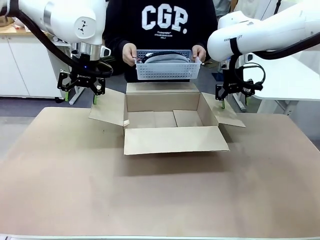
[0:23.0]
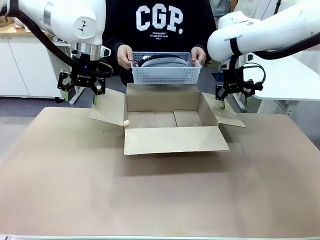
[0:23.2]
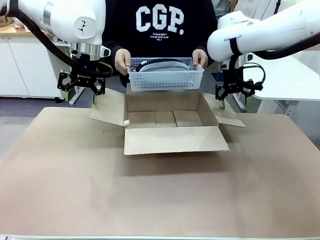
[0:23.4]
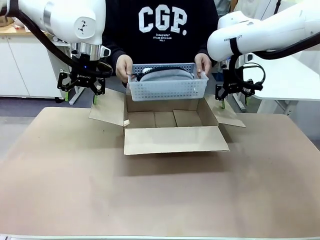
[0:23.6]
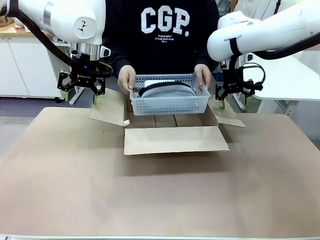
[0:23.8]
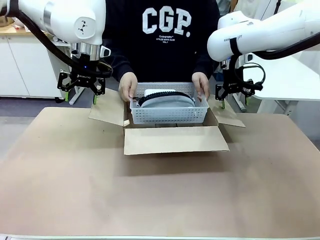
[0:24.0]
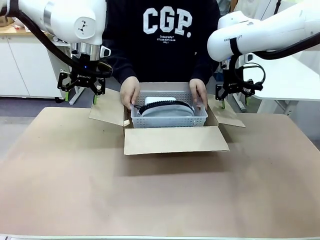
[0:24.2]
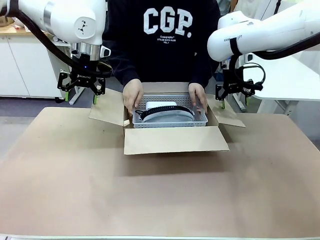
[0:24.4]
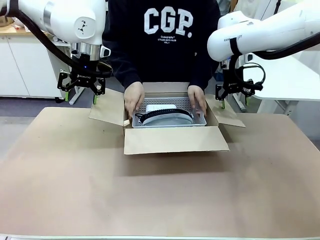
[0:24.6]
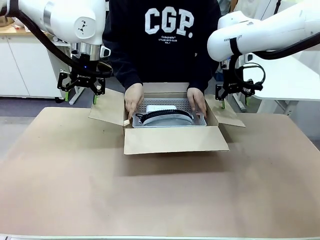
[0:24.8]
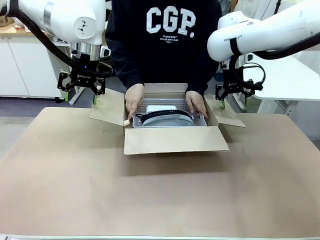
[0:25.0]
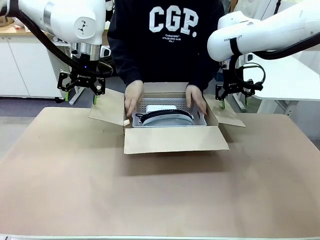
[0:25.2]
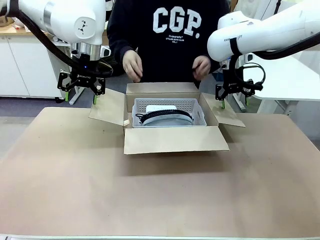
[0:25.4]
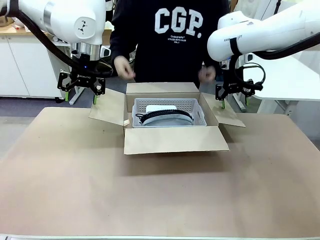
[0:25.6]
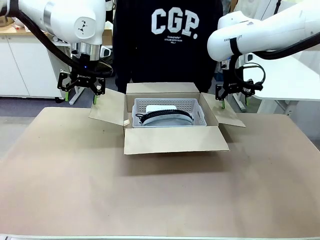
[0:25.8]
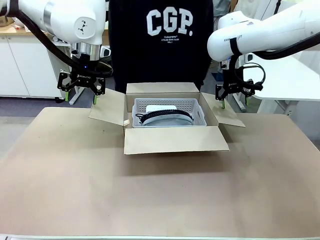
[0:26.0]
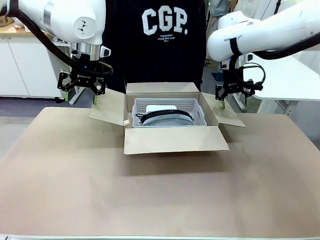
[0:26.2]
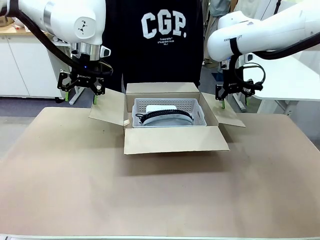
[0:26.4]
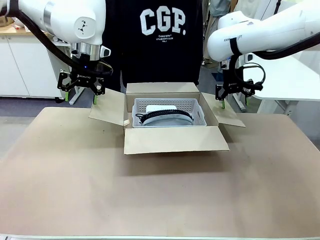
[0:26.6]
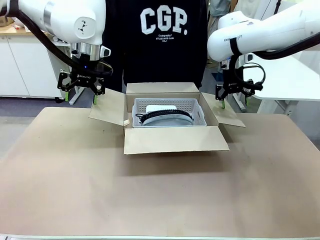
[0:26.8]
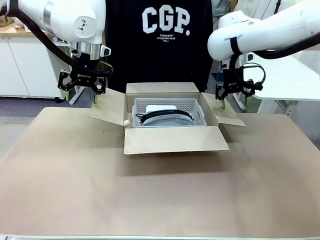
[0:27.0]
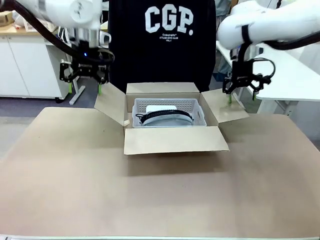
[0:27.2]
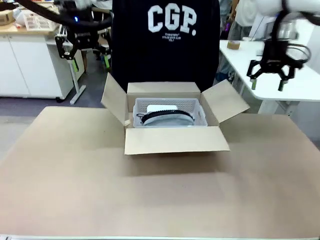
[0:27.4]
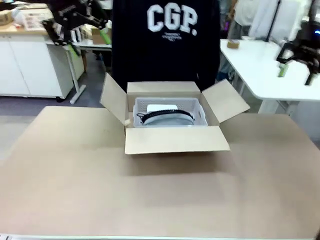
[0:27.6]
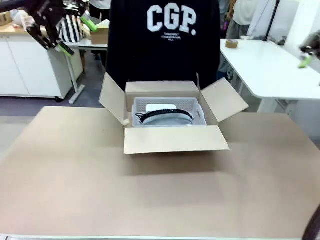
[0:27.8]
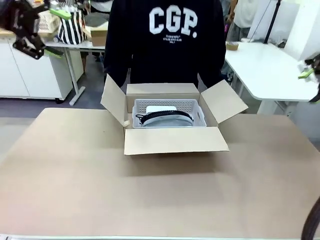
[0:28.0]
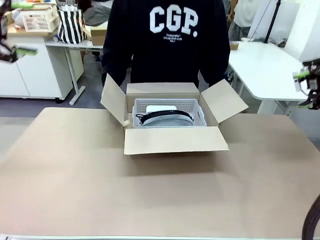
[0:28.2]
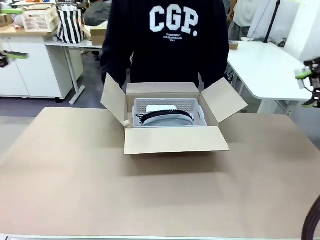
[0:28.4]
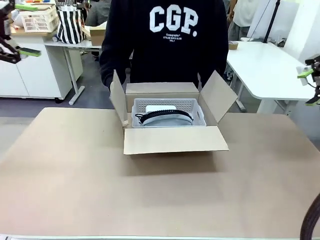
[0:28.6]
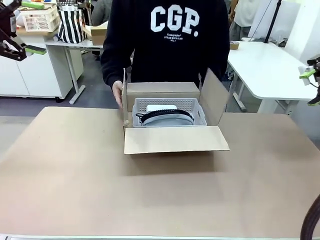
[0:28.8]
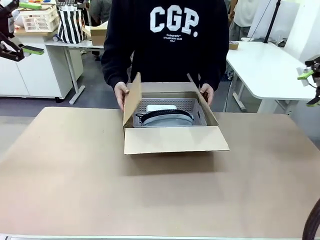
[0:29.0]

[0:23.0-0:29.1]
Task: Pack the gift set into the box.
Robot: Lift both hands away from the flaps of the Package Box.

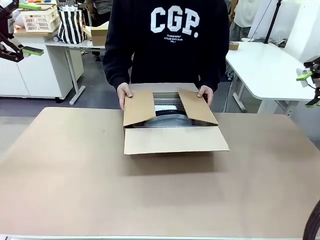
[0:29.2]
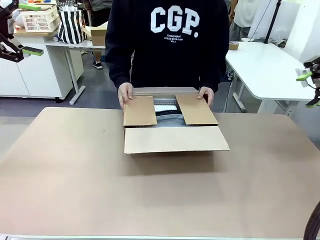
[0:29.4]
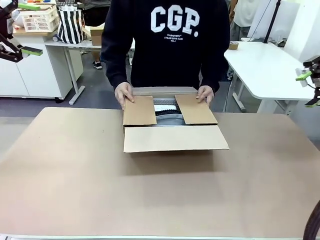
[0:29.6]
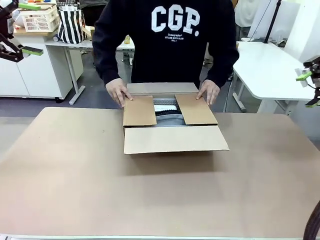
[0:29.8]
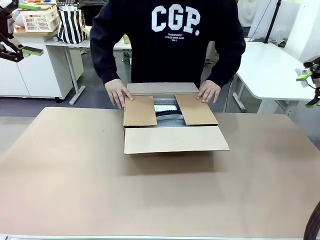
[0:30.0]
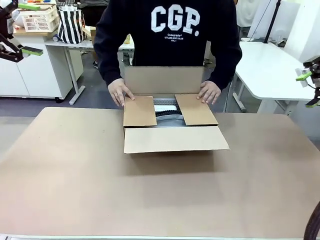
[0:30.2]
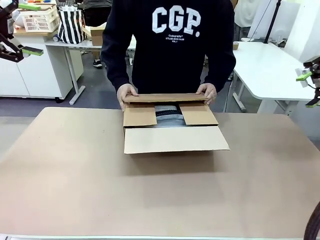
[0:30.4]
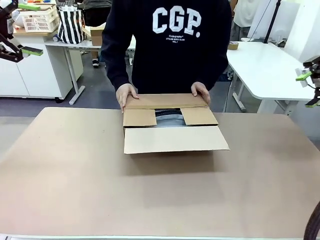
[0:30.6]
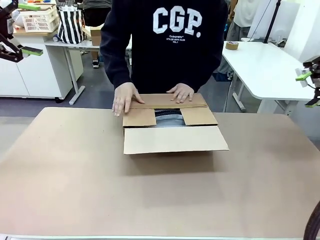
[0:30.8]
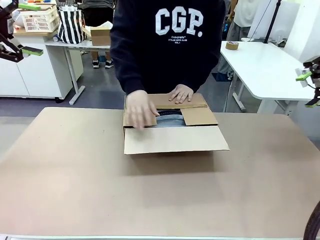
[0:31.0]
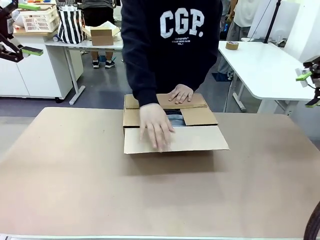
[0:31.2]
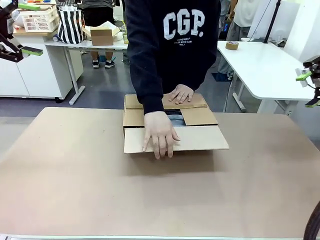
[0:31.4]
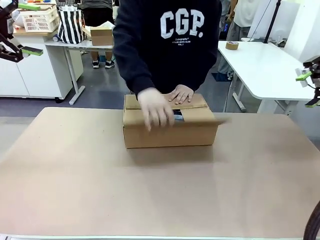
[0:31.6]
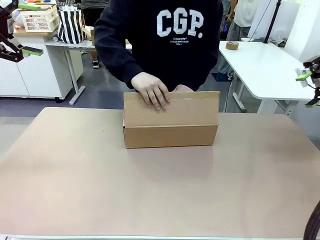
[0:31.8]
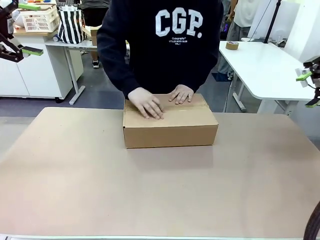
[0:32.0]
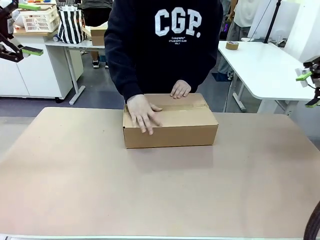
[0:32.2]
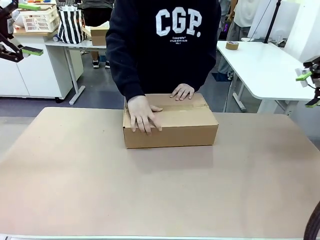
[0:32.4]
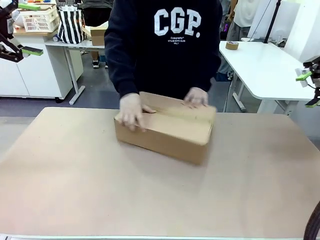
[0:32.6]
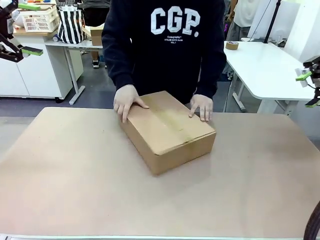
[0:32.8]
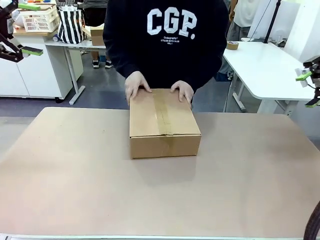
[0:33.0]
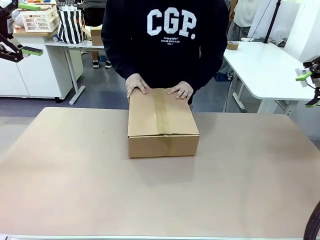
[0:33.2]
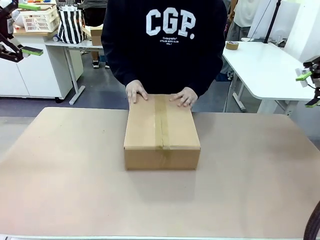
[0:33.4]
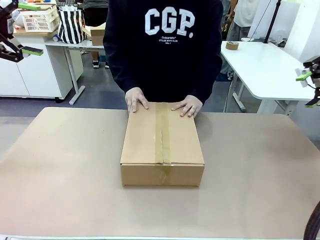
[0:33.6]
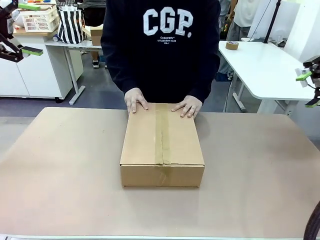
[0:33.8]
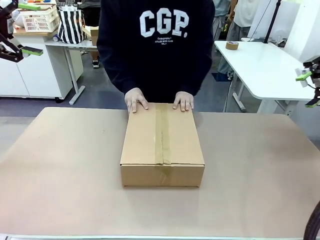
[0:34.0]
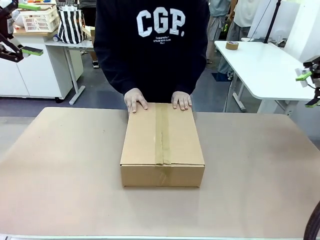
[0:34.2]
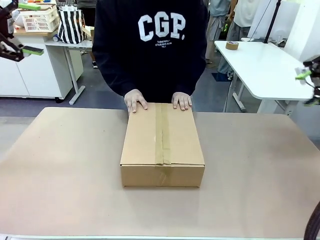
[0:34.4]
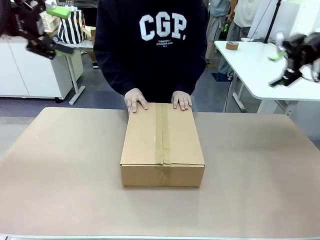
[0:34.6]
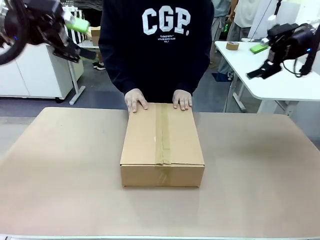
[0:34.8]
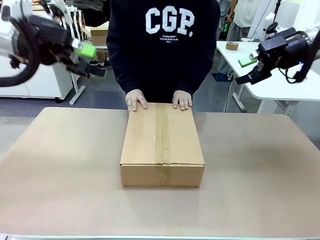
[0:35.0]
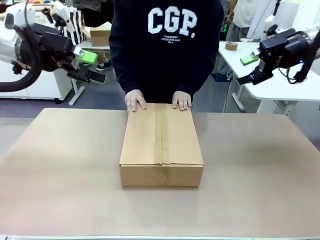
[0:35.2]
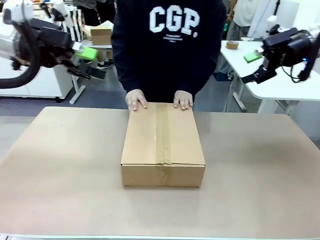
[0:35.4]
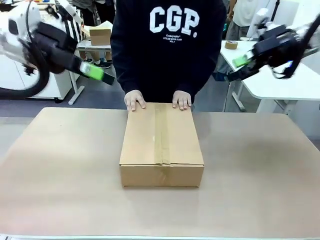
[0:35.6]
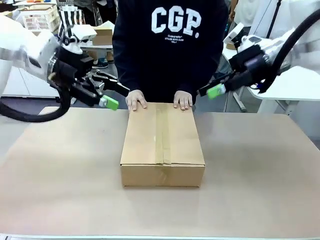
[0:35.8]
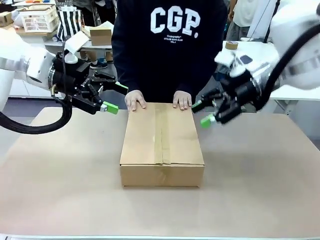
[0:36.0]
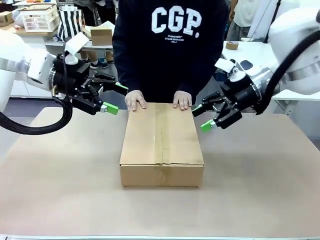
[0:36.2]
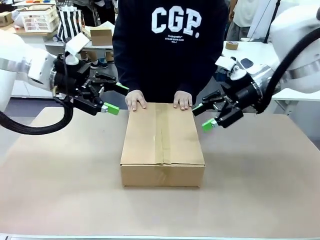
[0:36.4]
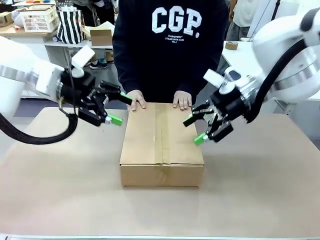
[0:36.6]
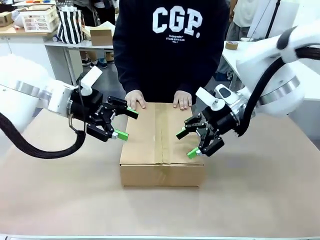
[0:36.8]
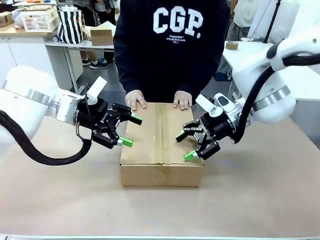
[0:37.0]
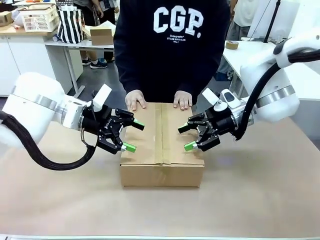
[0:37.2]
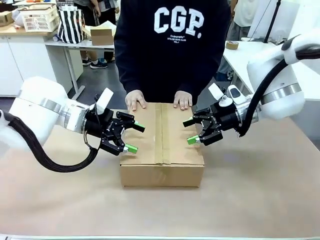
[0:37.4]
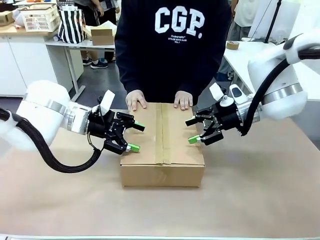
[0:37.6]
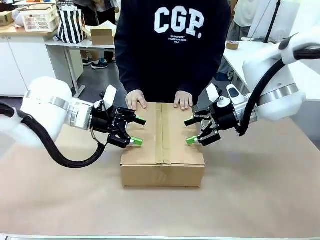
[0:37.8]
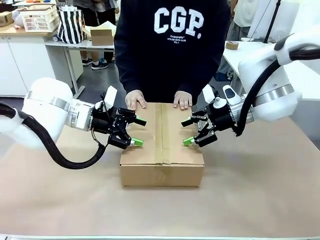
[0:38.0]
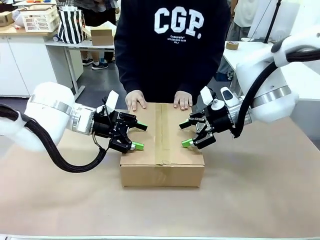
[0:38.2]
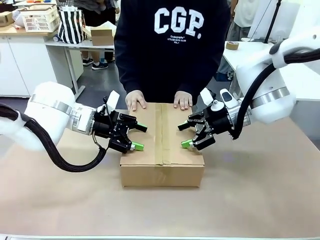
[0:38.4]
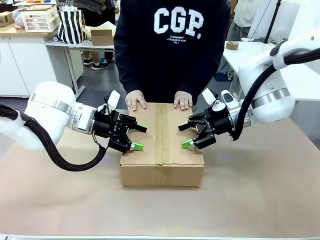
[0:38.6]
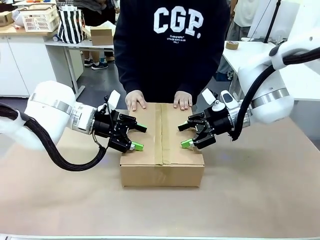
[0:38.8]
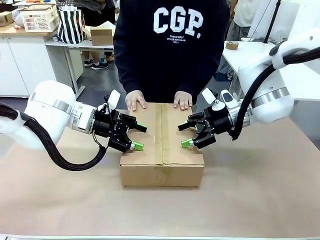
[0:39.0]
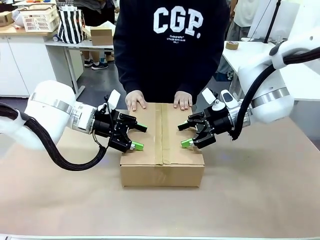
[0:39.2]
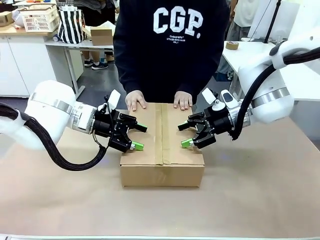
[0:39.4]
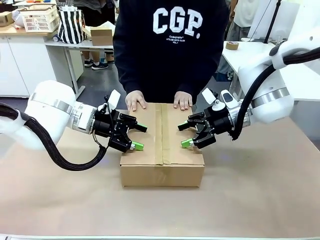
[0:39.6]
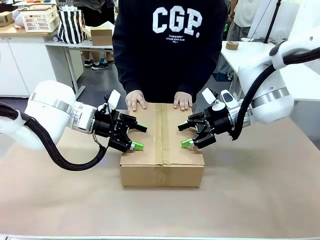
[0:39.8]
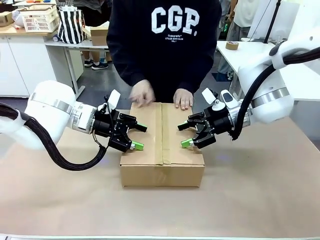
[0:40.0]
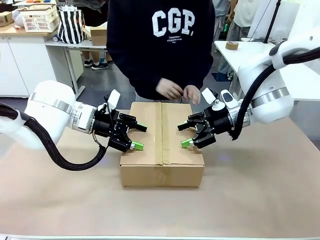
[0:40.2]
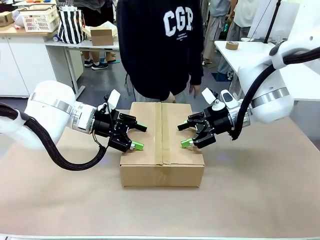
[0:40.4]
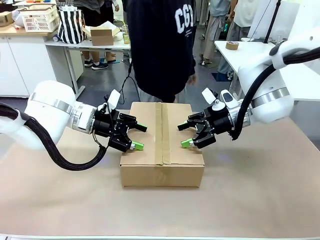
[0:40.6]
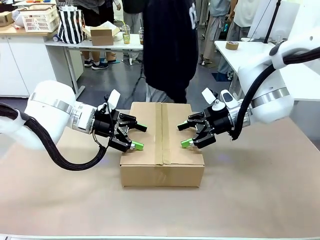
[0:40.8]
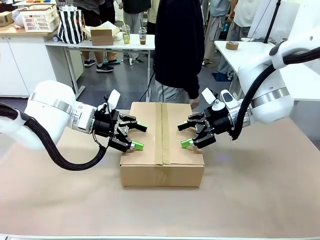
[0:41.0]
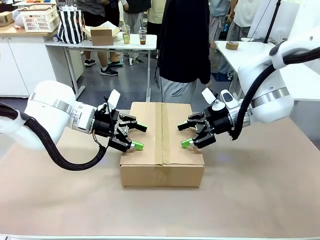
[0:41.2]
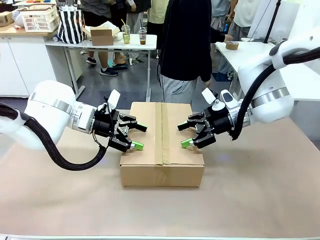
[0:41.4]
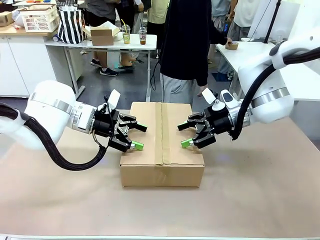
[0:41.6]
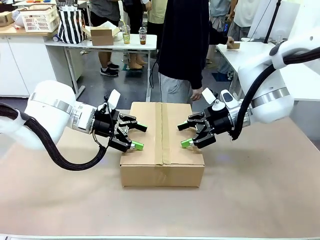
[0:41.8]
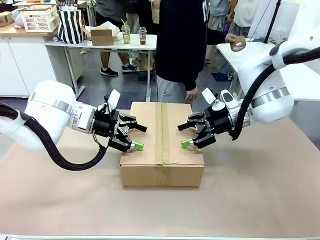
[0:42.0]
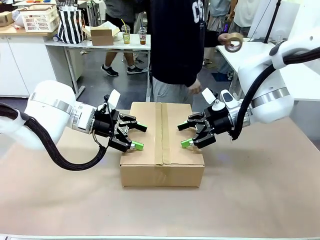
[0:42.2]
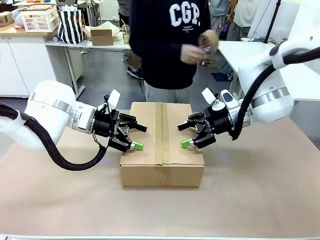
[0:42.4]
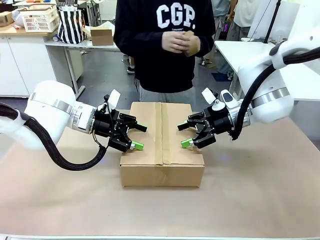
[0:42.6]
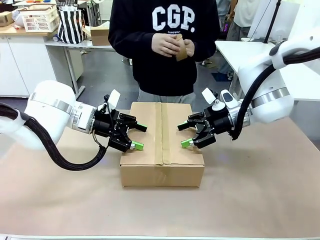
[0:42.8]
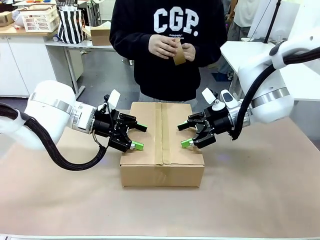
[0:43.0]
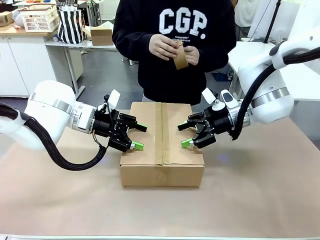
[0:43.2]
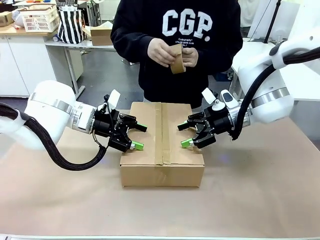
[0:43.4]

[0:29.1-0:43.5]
Robot: Press and hold the closed box until the human finishes sealing it.
Person: The human closes the box and rotates the box by 90 degrees.
